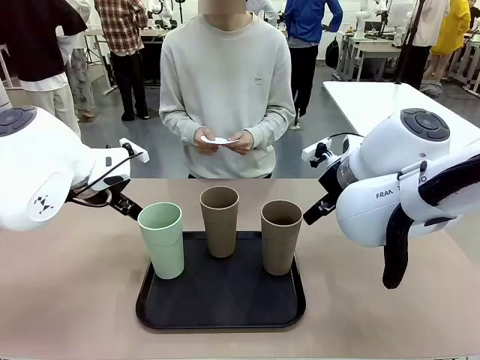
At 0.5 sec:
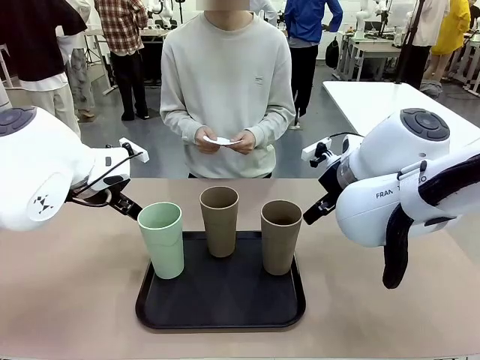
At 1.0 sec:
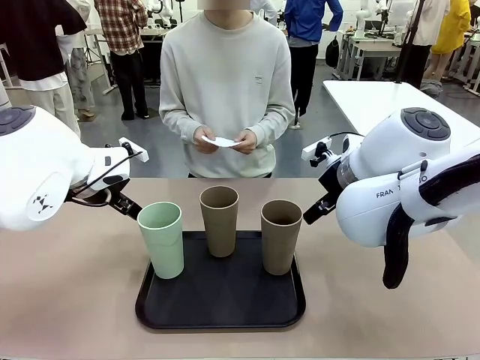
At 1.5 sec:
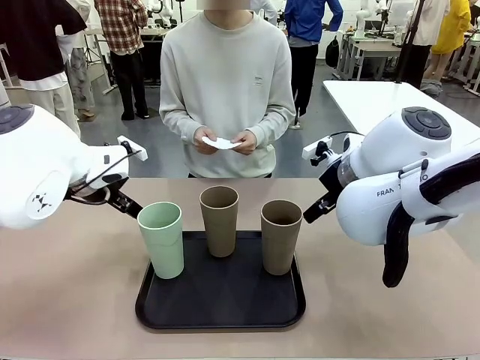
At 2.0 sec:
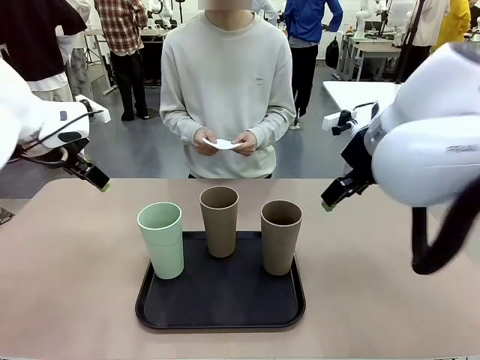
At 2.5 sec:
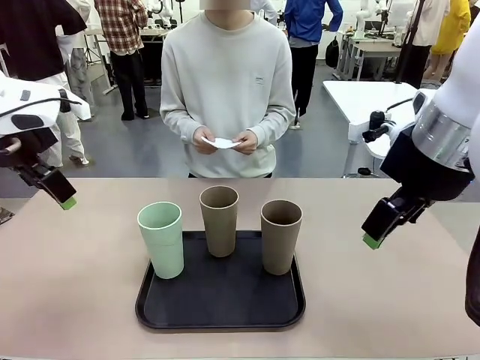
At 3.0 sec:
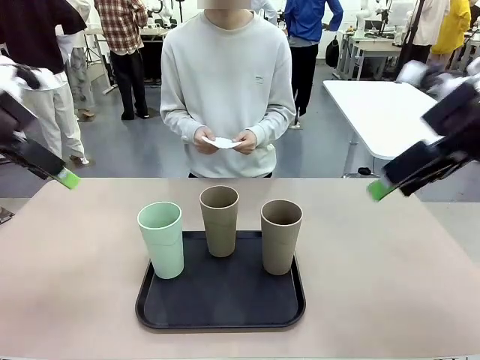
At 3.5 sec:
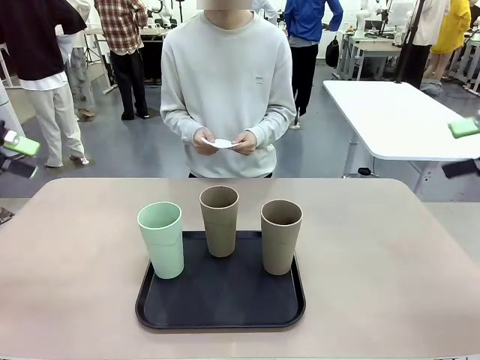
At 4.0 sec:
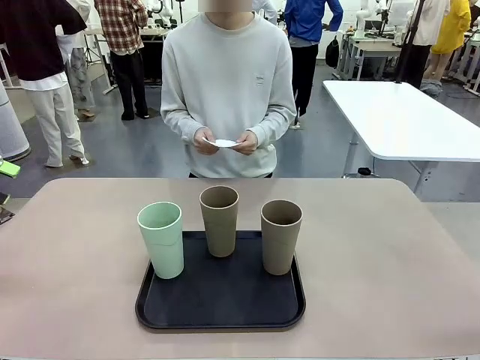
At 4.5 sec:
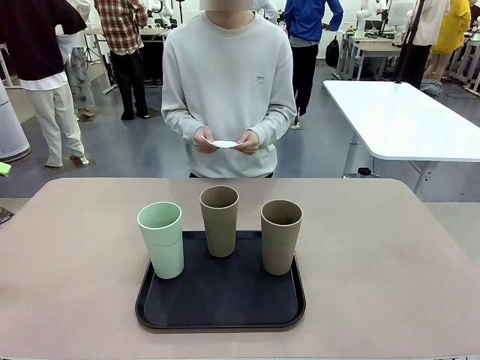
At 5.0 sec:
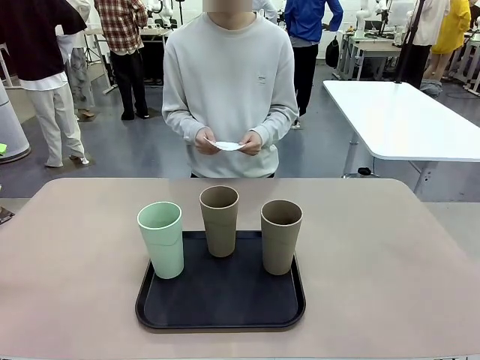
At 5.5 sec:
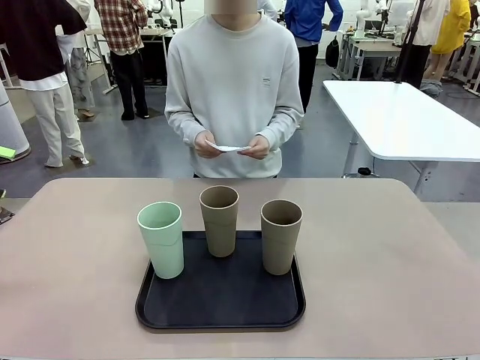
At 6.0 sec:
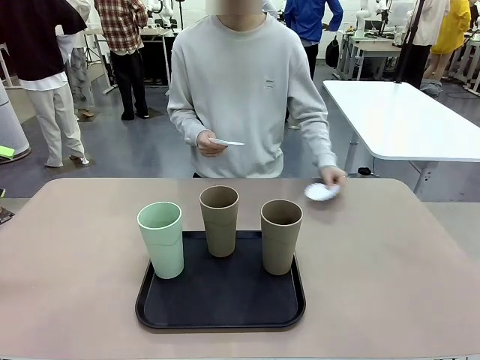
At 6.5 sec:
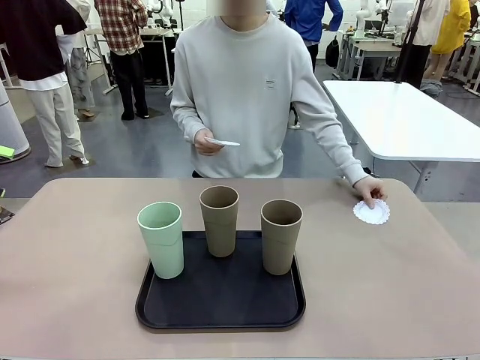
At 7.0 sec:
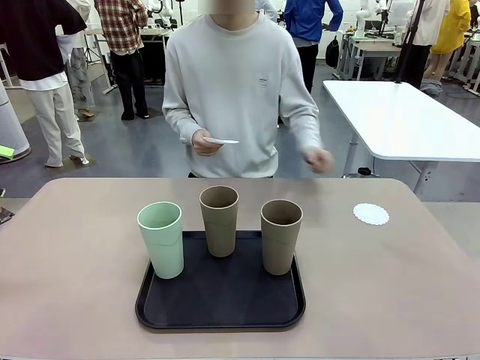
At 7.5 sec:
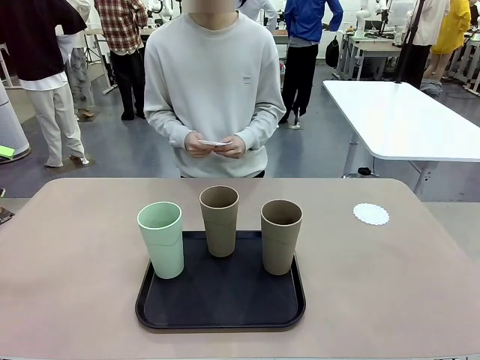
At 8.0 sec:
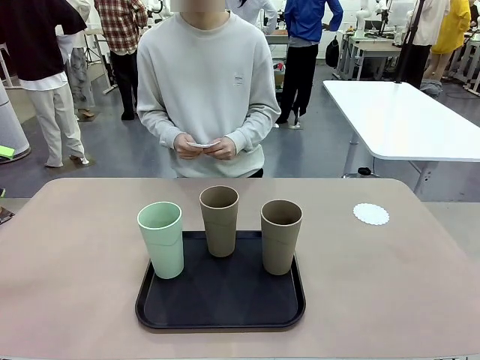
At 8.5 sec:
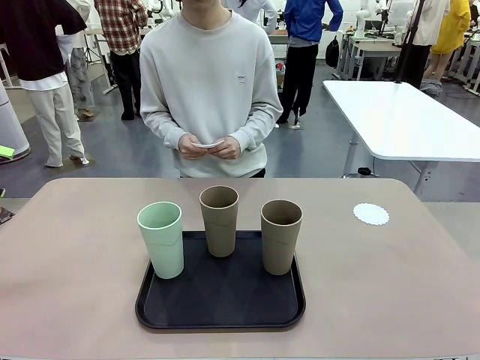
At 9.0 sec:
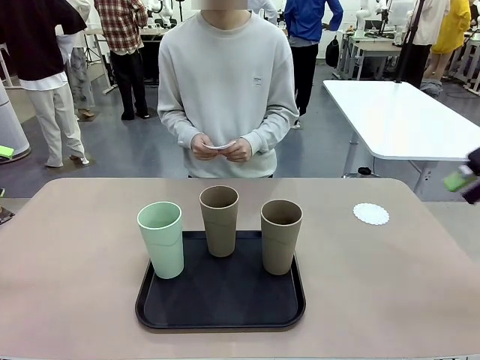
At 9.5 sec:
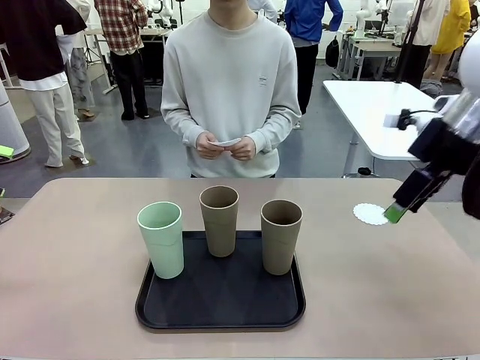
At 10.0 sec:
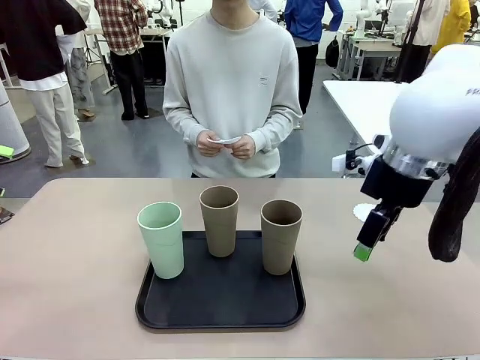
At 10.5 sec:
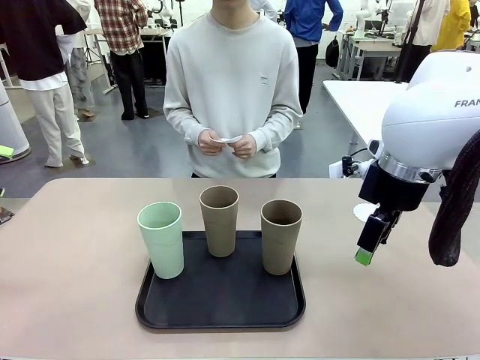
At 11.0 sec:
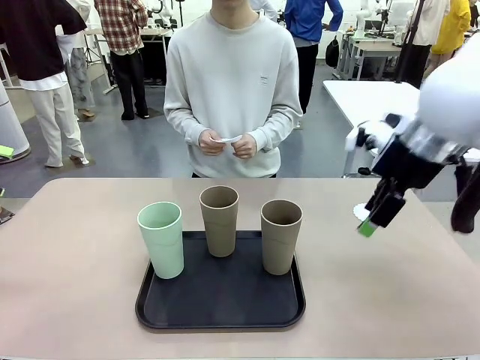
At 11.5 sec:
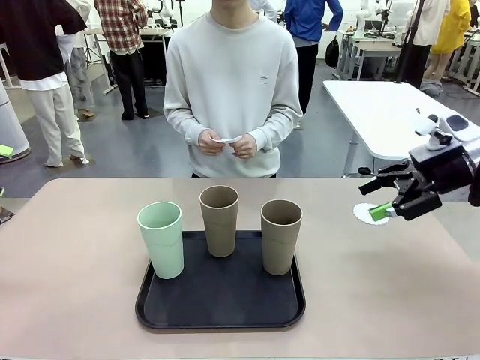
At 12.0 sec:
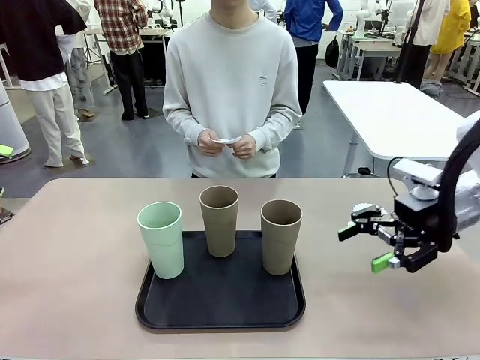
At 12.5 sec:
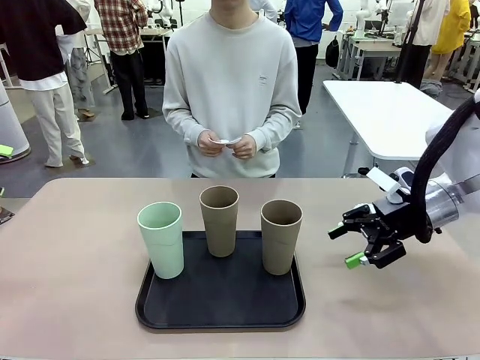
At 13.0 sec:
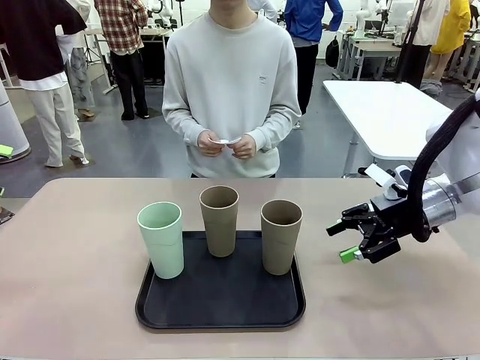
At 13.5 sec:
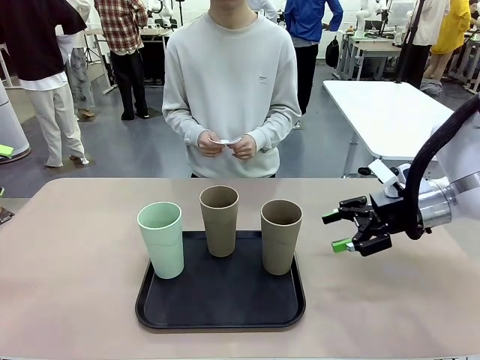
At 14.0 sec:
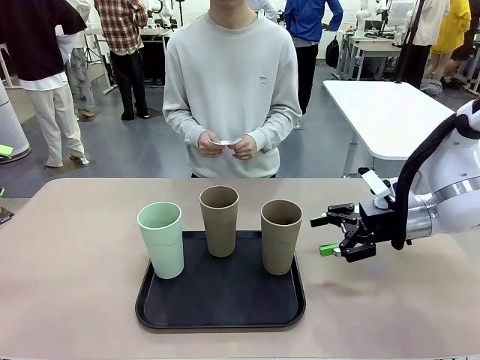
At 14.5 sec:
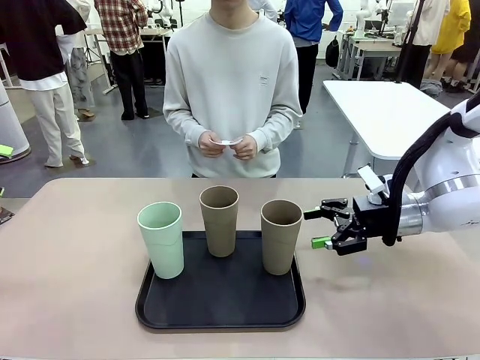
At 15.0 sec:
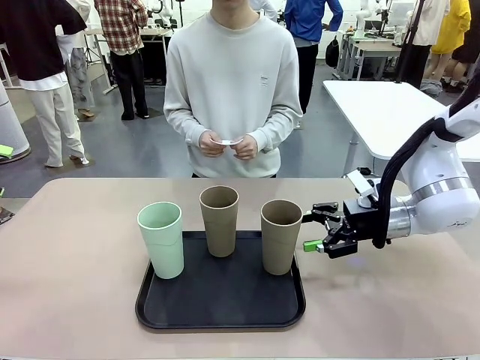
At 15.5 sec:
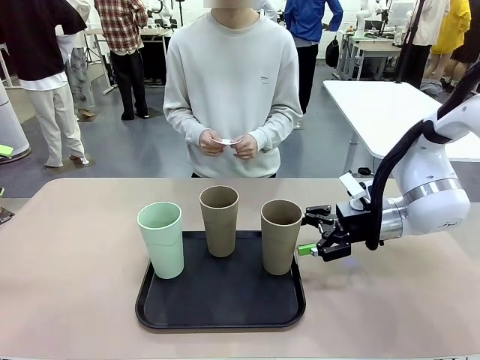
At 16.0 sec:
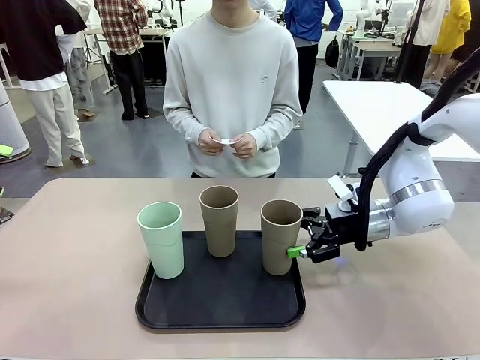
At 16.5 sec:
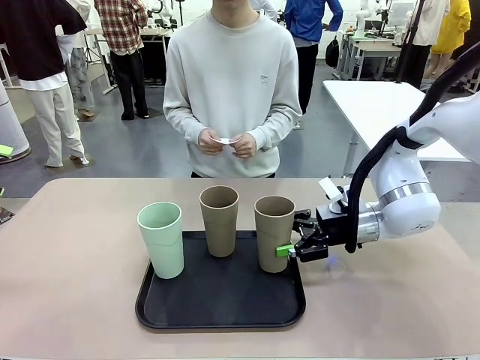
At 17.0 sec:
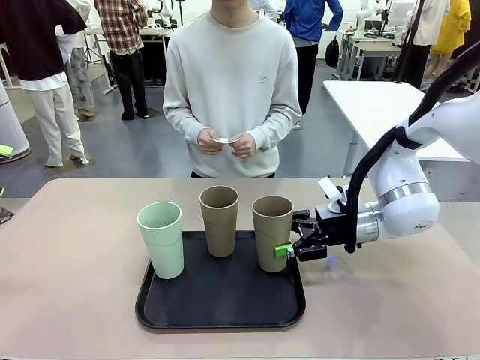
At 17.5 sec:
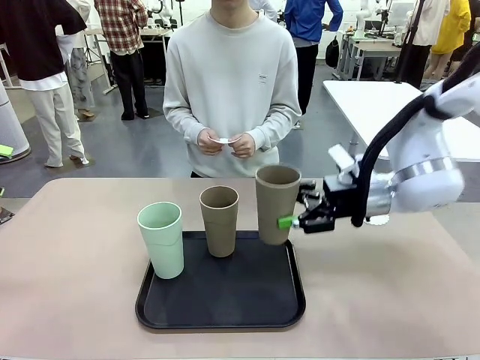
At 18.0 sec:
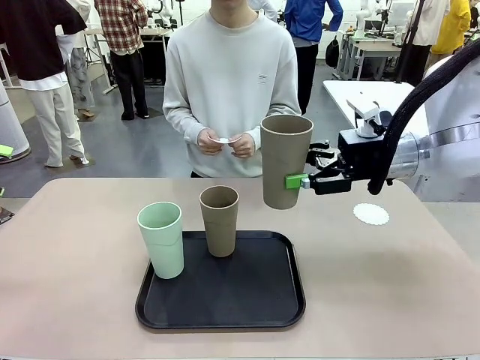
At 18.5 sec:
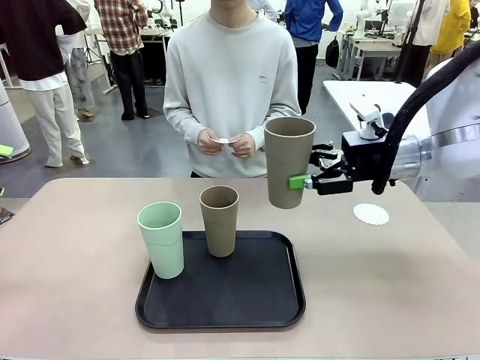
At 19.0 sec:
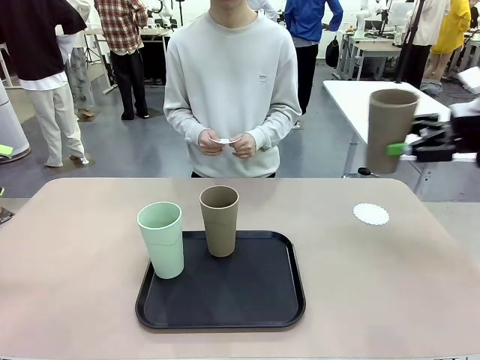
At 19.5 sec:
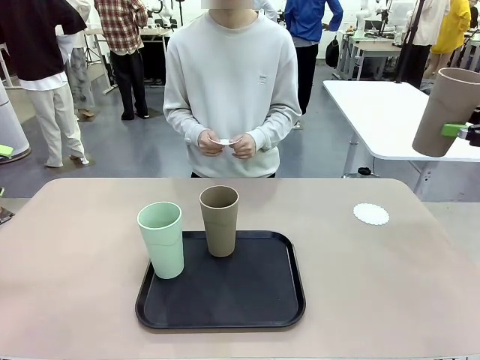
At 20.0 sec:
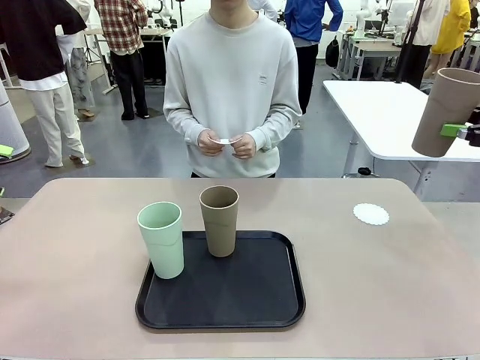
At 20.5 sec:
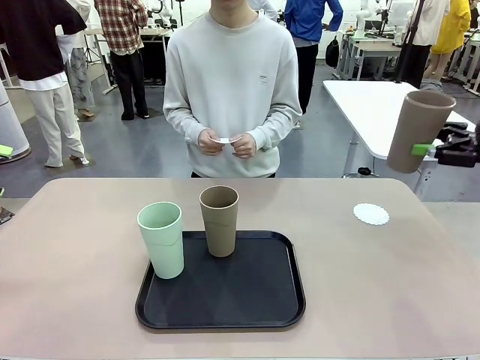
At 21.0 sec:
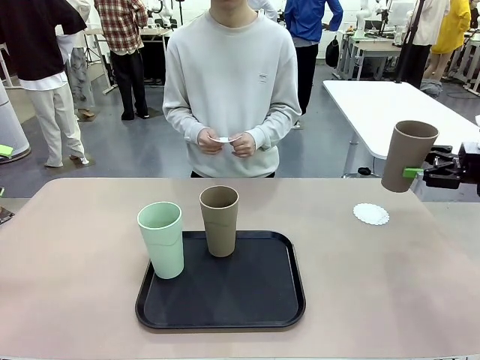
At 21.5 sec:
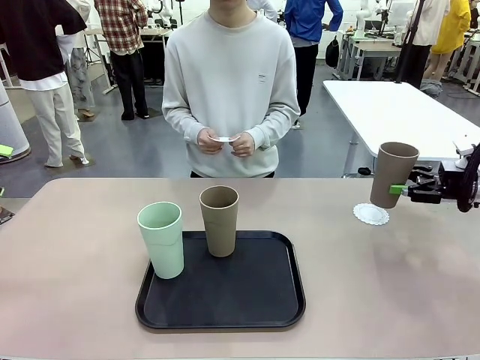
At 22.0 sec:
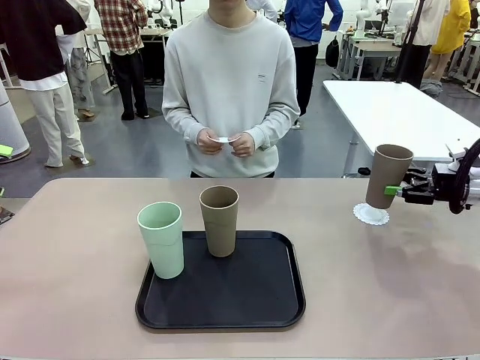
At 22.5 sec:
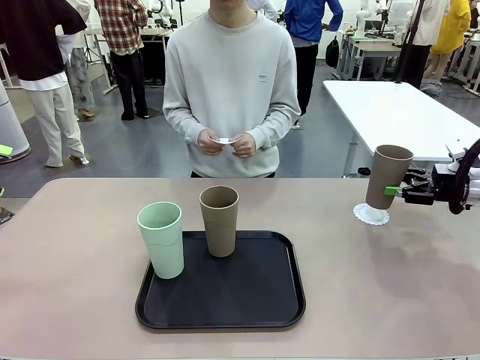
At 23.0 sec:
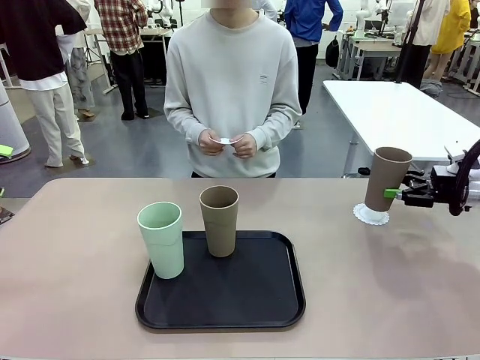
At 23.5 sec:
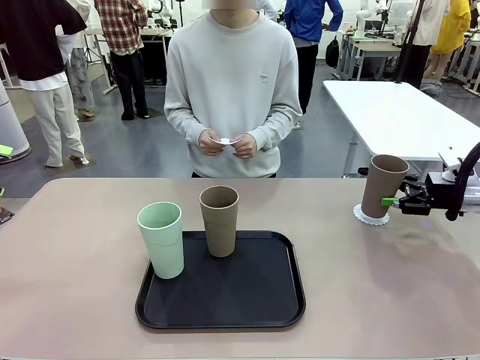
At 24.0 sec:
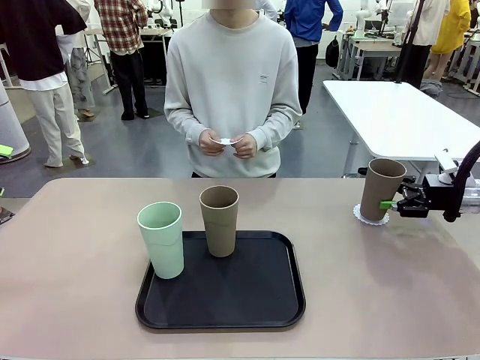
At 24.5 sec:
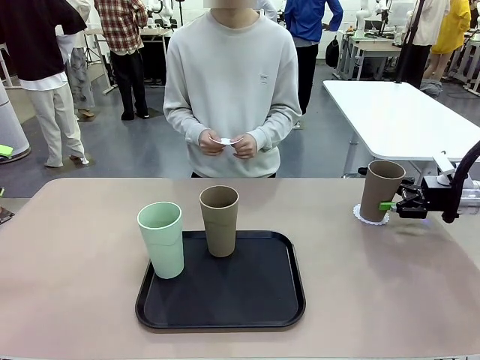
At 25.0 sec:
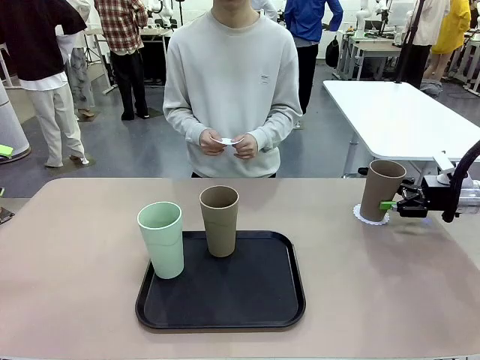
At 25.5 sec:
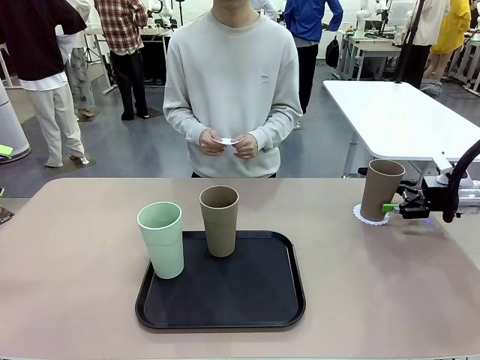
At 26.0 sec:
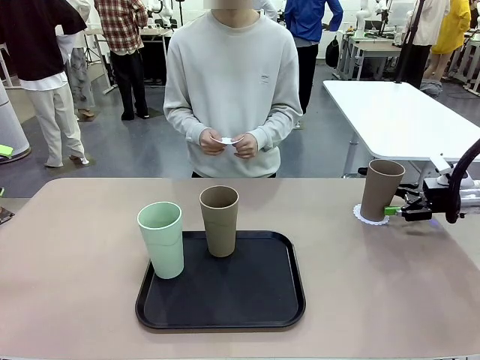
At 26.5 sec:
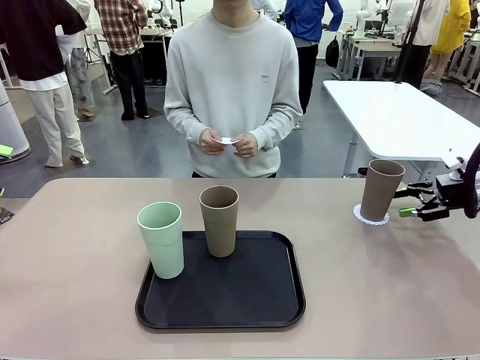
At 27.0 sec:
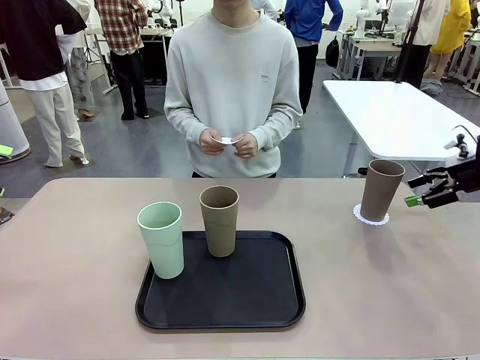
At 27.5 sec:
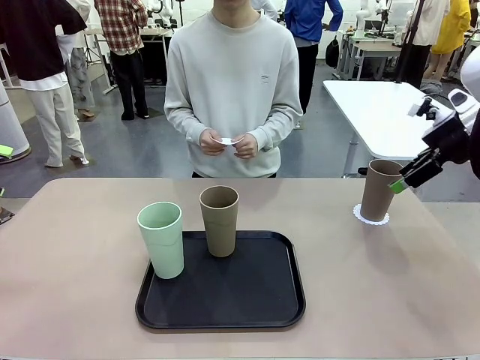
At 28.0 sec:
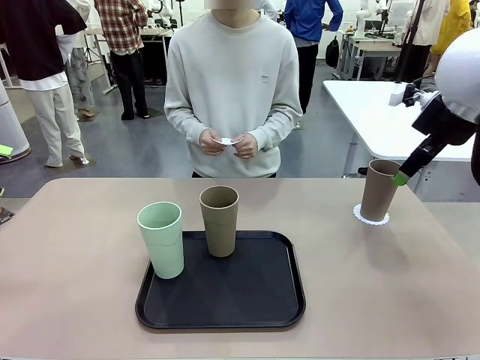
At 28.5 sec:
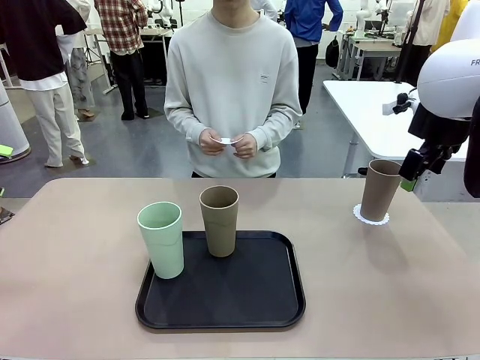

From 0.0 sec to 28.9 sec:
Task: Place coasters on the table and set cups on them.
Robot: Pick up one Reusable plastic cup and place it on a coaster set by the human.
Person: Place one coaster in any one of the three lower areas of the robot table (left, center, or right). Place one coaster in one of the two areas excluding the previously selected area.
